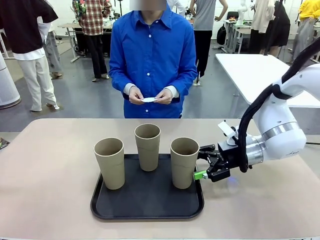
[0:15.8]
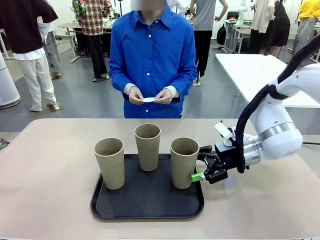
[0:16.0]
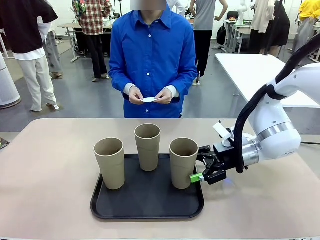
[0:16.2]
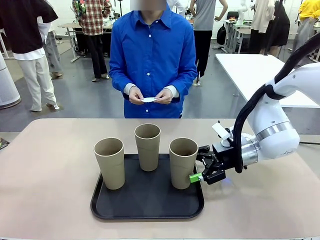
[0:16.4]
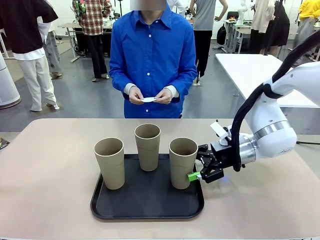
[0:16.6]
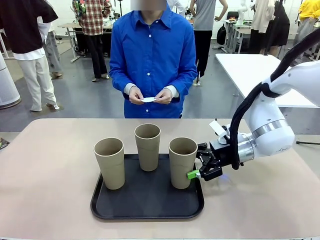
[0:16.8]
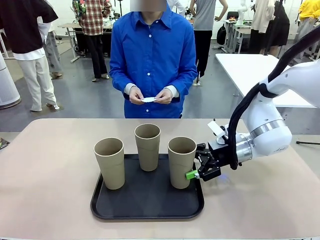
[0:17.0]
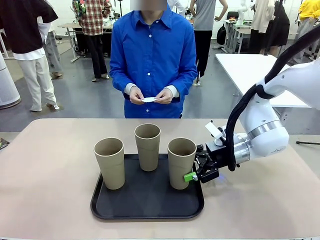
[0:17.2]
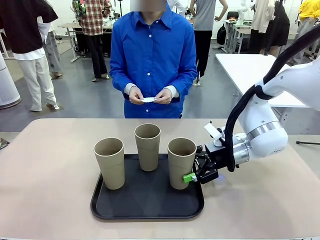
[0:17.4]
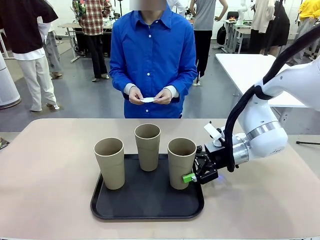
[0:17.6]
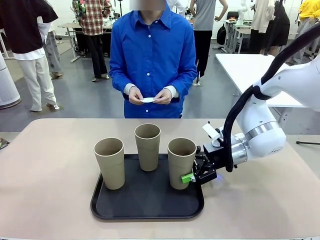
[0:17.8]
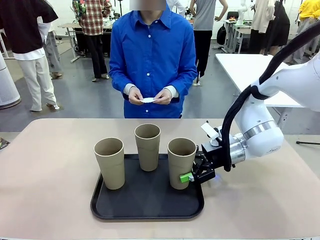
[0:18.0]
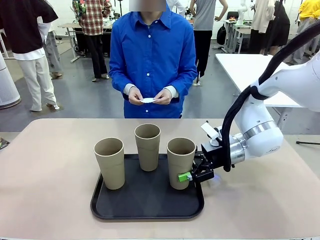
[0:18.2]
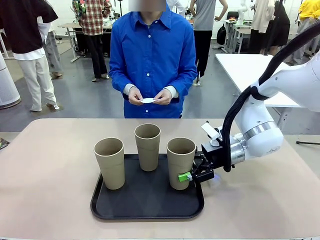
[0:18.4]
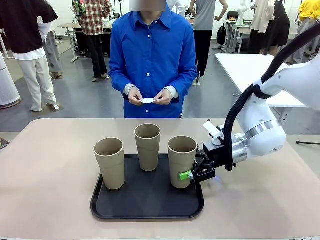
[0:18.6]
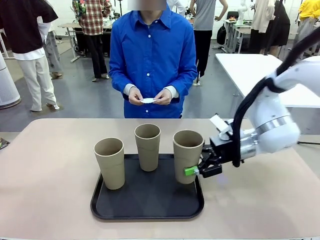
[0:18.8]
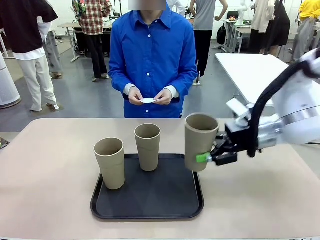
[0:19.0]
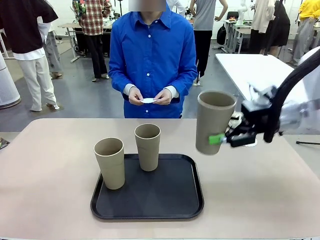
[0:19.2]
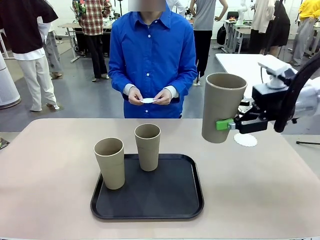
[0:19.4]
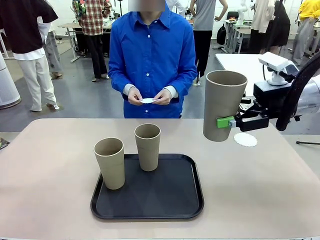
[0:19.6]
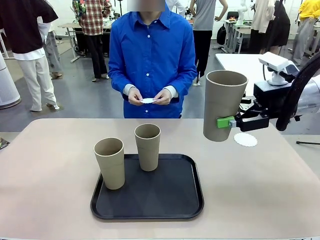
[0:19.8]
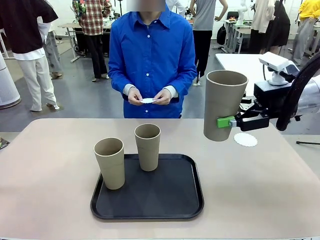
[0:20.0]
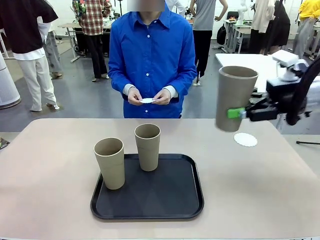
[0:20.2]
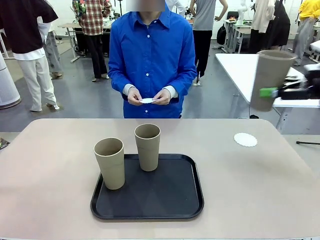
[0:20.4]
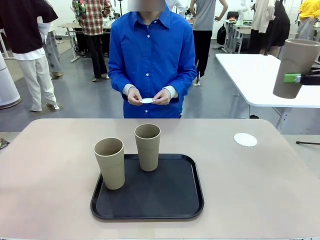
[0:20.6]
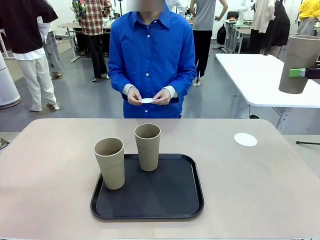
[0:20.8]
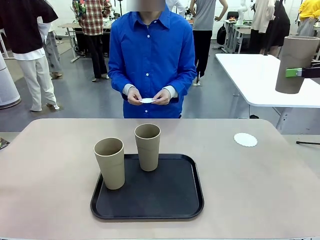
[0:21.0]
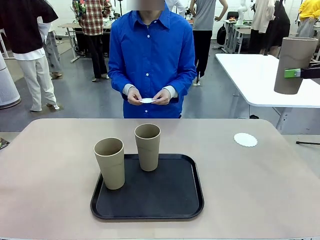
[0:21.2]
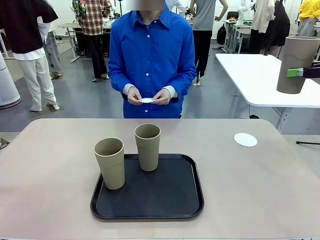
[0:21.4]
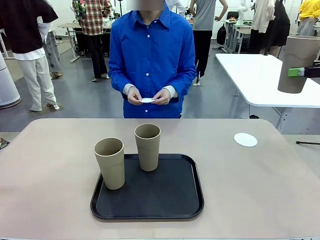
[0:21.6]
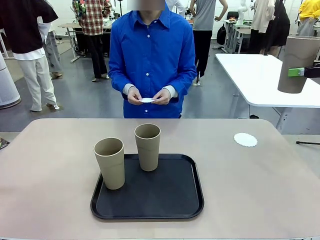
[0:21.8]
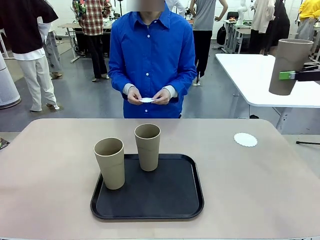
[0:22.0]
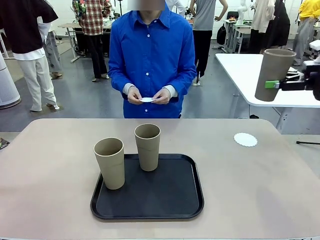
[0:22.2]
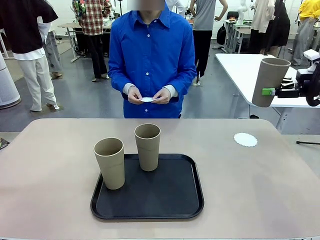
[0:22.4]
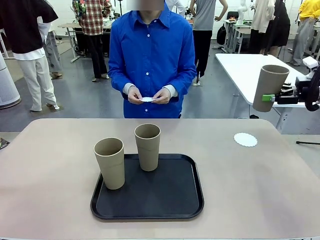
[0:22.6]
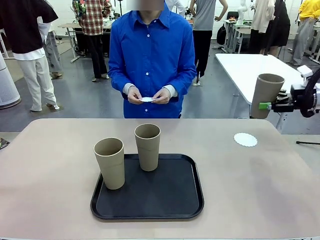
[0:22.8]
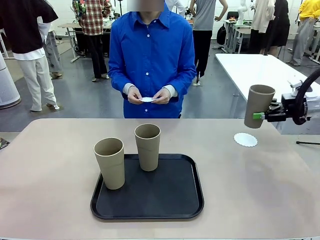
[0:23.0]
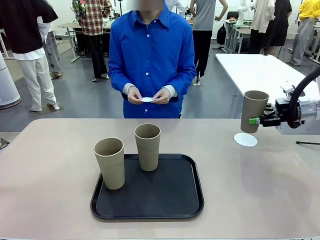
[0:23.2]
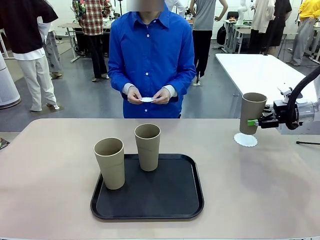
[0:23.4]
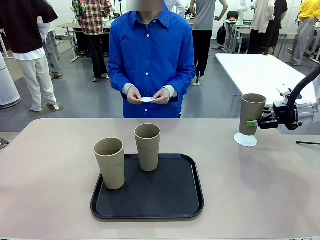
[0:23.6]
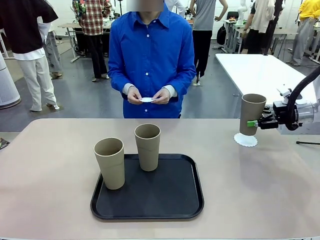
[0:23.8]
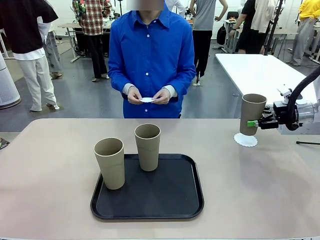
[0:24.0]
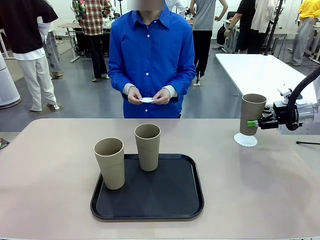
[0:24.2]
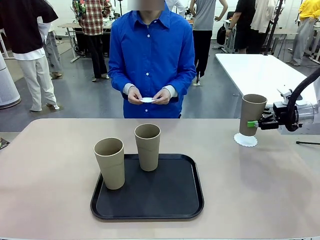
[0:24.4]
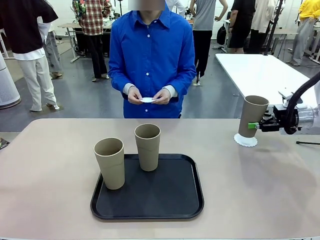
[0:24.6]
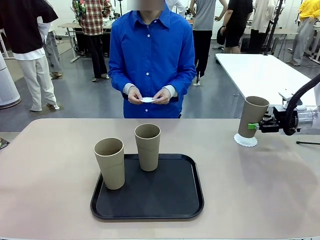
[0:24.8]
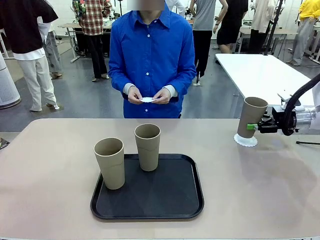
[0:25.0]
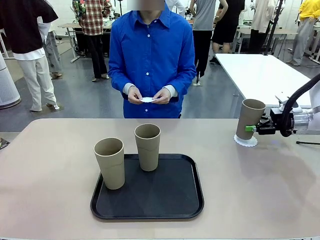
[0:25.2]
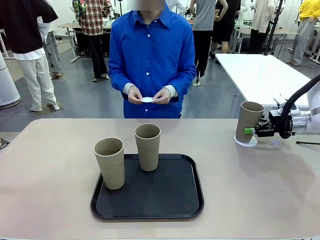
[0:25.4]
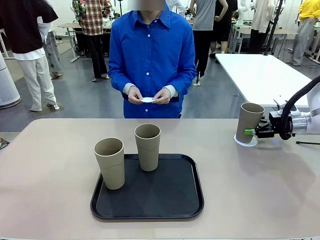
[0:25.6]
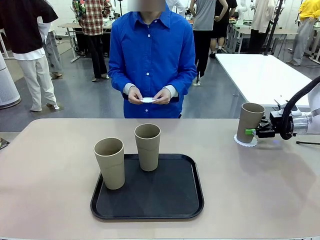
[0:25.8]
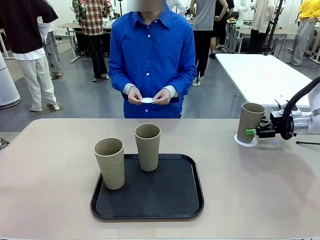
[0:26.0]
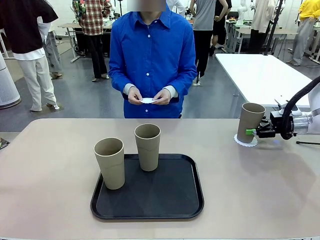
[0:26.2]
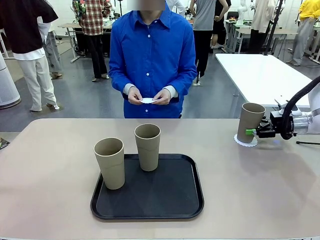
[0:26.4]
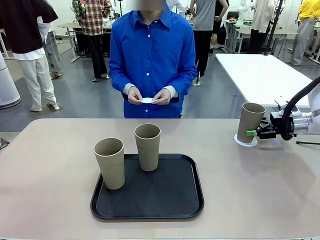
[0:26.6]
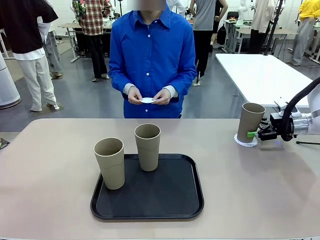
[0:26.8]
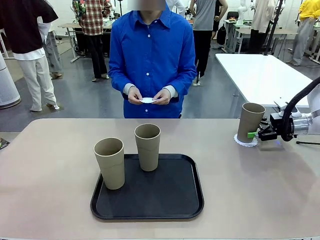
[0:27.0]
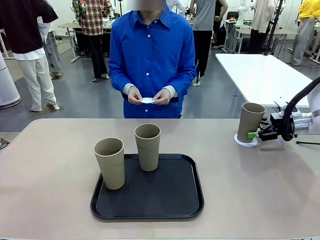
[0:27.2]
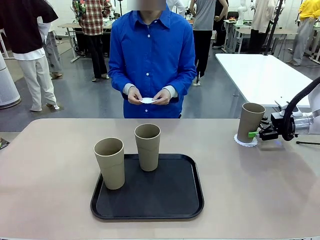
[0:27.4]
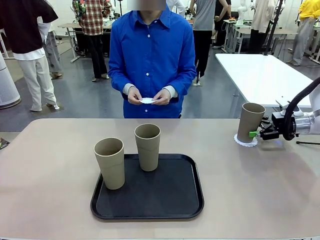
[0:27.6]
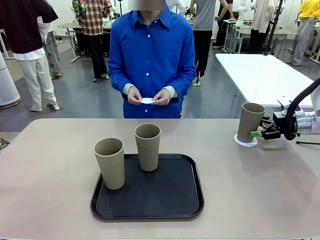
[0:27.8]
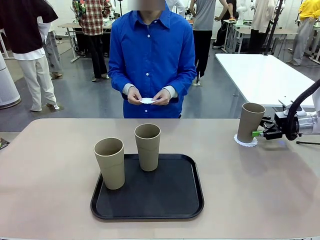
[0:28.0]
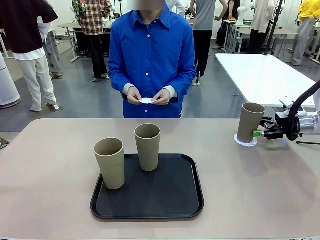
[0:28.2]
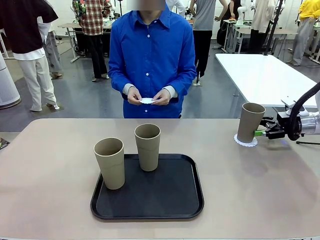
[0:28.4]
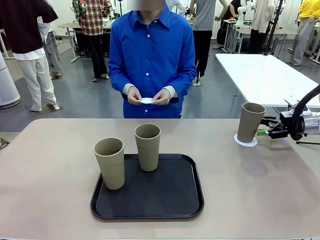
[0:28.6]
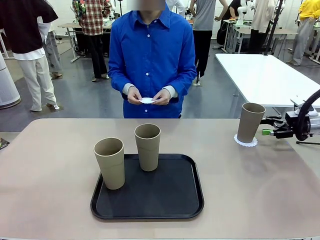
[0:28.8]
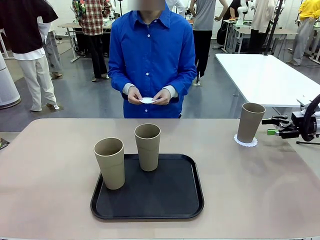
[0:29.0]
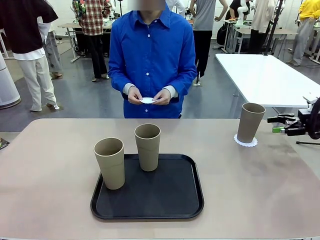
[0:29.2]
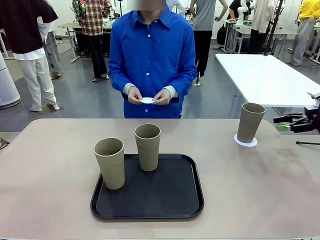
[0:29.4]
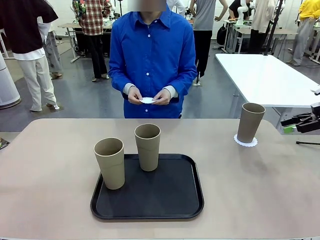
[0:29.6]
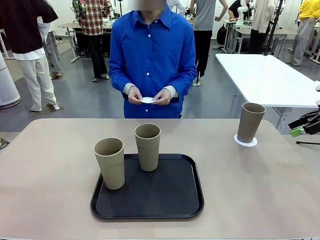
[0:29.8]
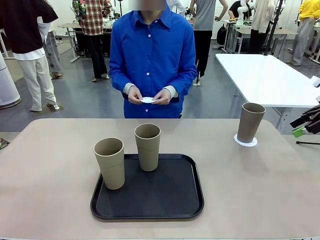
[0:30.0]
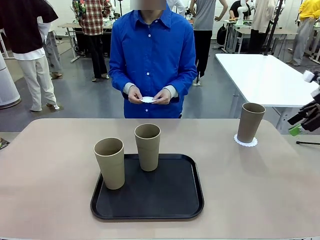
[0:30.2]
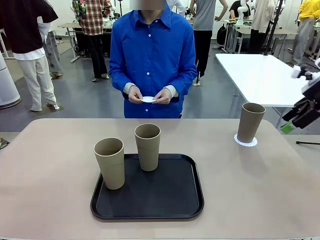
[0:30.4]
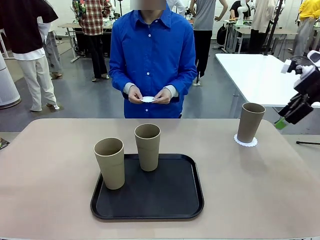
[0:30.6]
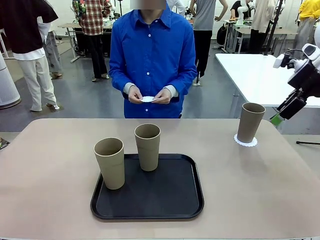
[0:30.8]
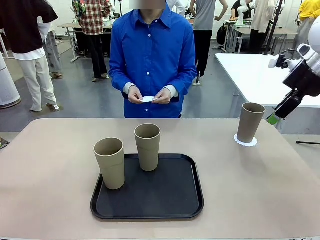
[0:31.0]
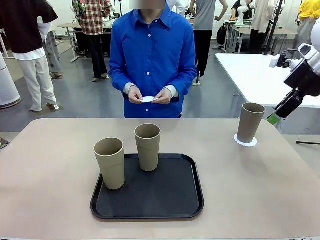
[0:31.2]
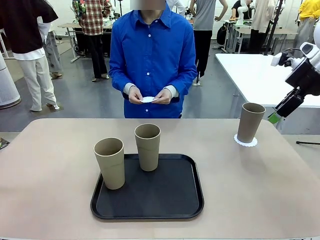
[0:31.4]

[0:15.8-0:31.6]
Task: Place coasters on the table and set cups on them.
Robot: Pick up one Reusable plastic cup and place it on a coaster set by the human.
Person: Place one coaster in one of the two areas excluding the previously selected area.
